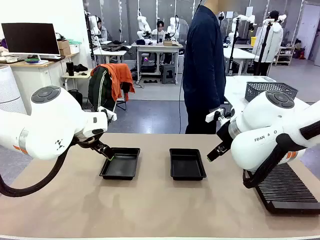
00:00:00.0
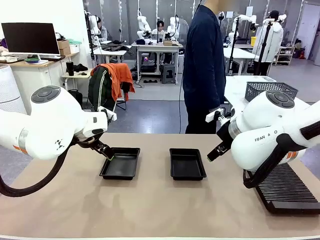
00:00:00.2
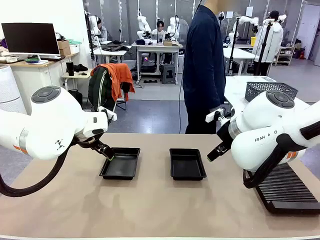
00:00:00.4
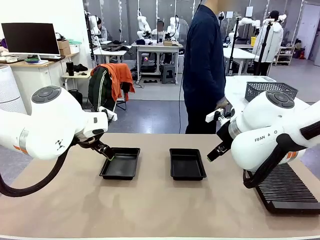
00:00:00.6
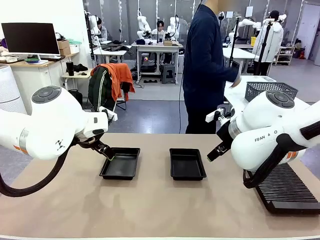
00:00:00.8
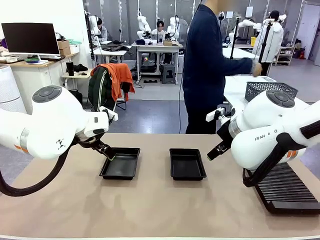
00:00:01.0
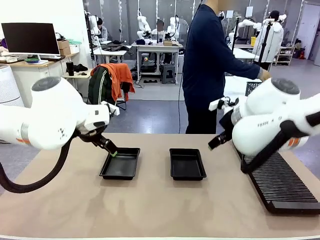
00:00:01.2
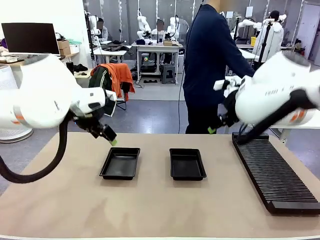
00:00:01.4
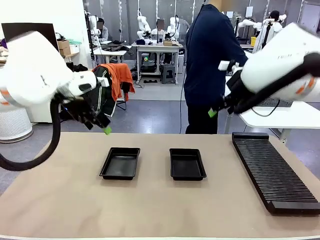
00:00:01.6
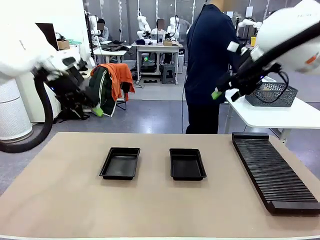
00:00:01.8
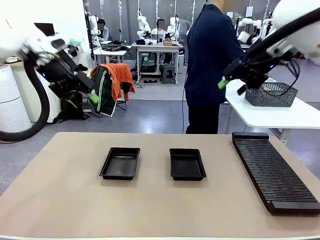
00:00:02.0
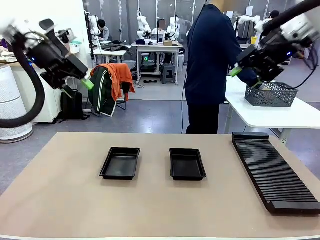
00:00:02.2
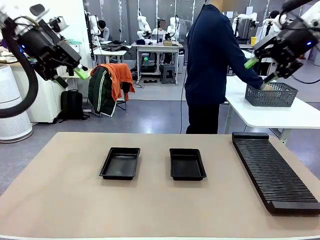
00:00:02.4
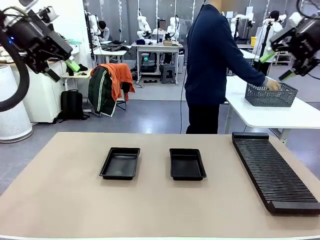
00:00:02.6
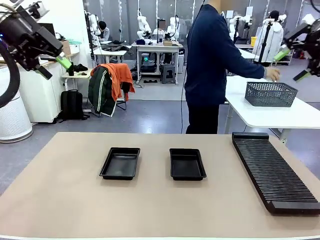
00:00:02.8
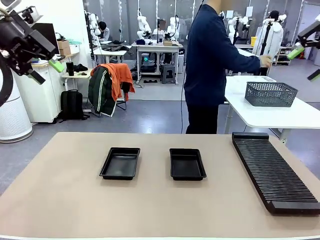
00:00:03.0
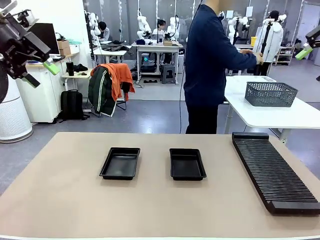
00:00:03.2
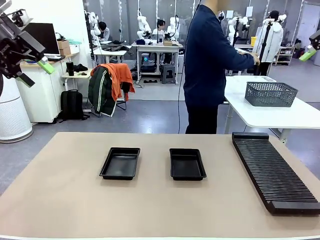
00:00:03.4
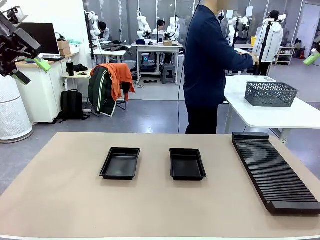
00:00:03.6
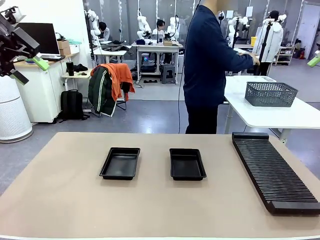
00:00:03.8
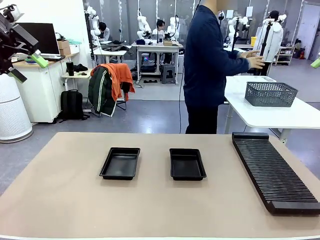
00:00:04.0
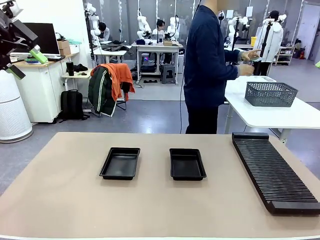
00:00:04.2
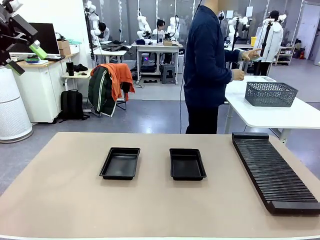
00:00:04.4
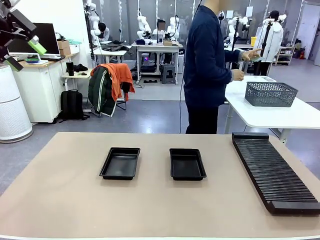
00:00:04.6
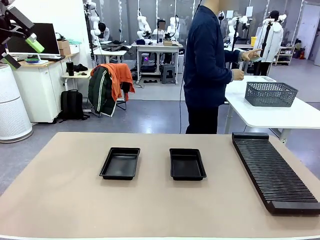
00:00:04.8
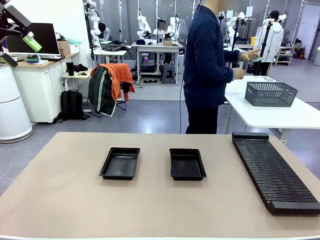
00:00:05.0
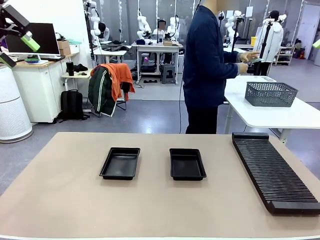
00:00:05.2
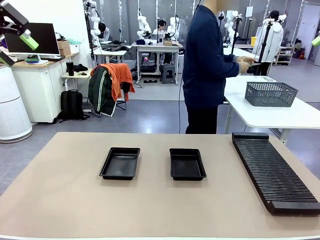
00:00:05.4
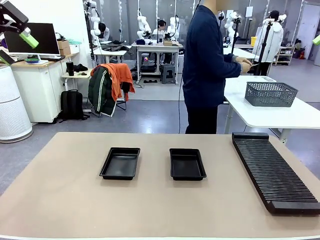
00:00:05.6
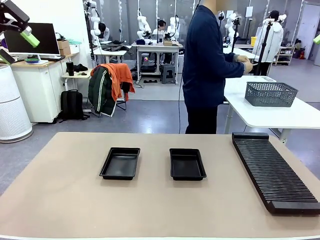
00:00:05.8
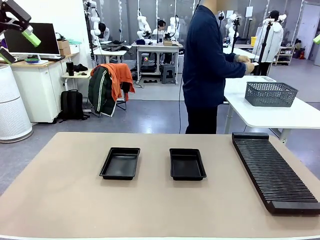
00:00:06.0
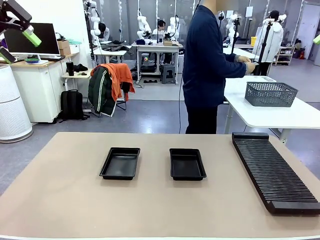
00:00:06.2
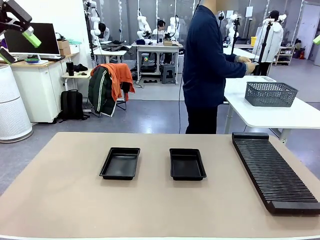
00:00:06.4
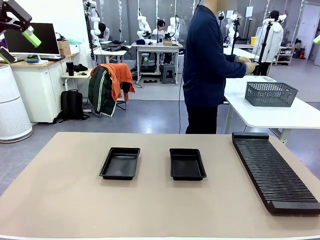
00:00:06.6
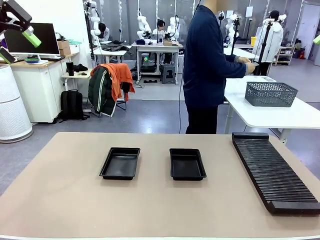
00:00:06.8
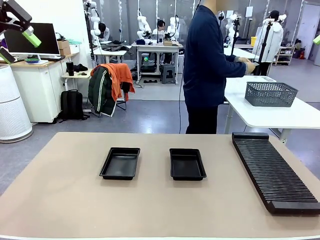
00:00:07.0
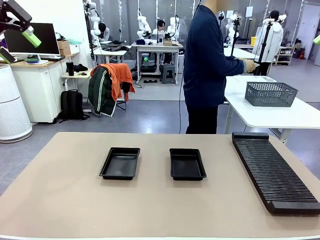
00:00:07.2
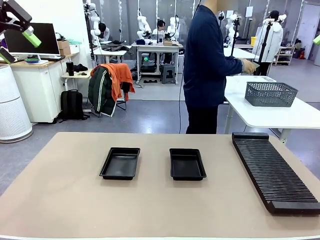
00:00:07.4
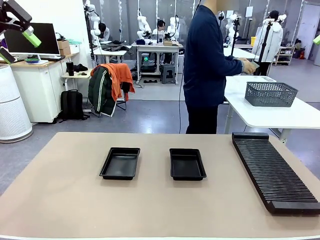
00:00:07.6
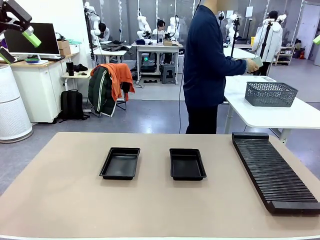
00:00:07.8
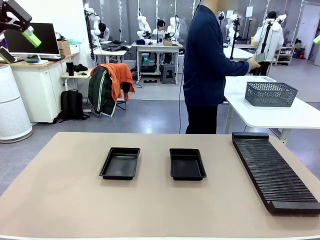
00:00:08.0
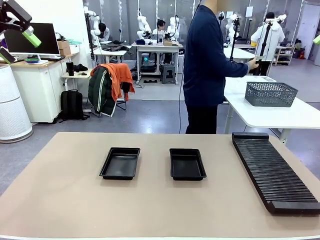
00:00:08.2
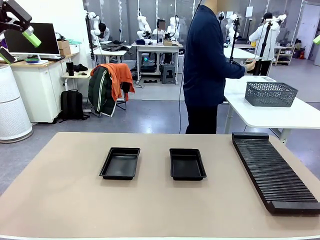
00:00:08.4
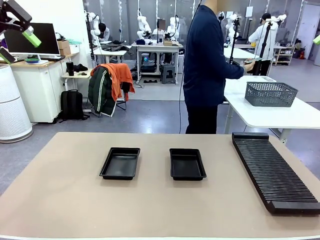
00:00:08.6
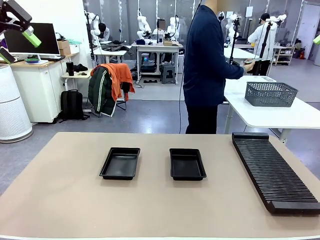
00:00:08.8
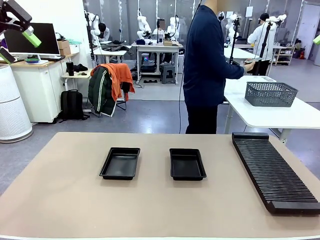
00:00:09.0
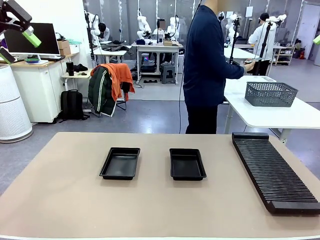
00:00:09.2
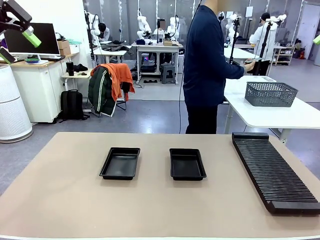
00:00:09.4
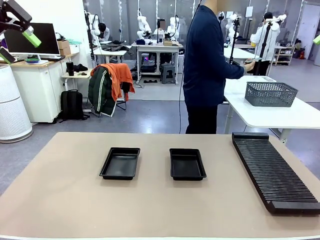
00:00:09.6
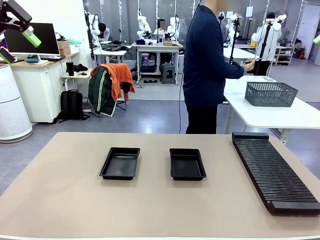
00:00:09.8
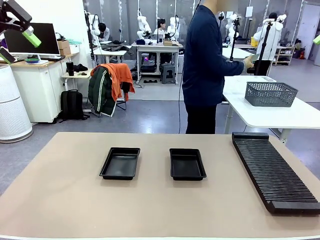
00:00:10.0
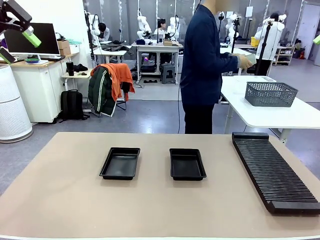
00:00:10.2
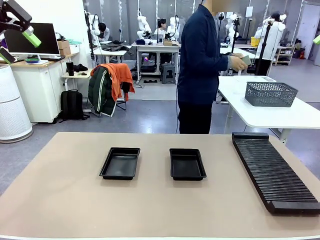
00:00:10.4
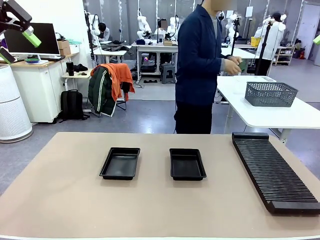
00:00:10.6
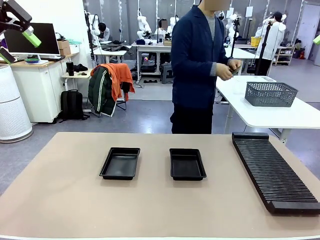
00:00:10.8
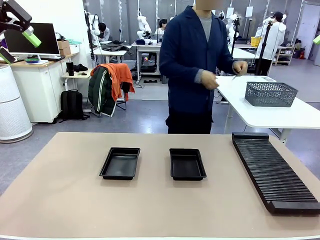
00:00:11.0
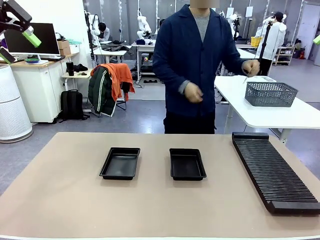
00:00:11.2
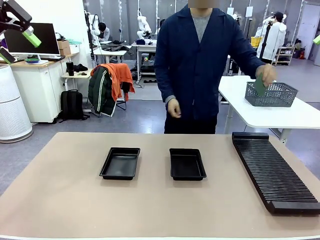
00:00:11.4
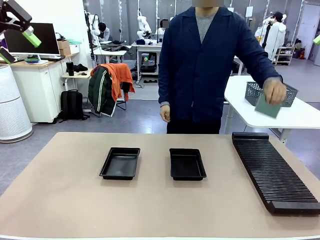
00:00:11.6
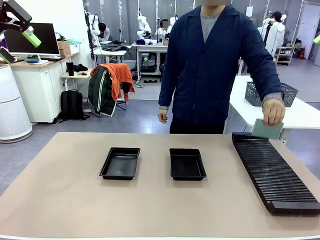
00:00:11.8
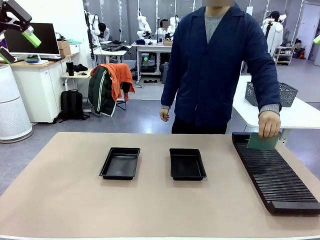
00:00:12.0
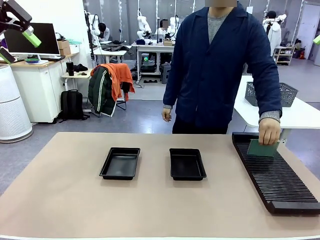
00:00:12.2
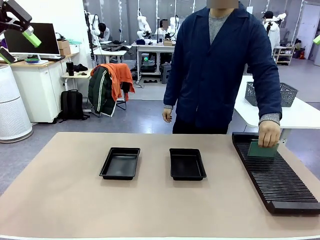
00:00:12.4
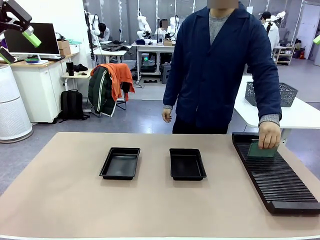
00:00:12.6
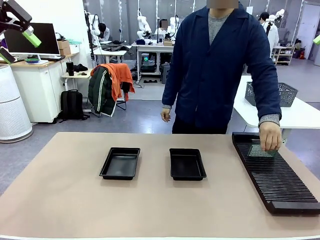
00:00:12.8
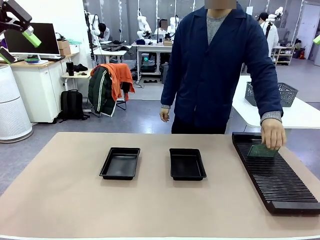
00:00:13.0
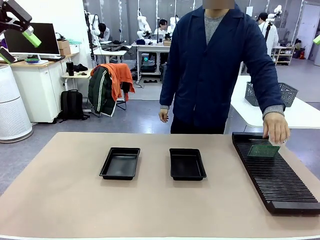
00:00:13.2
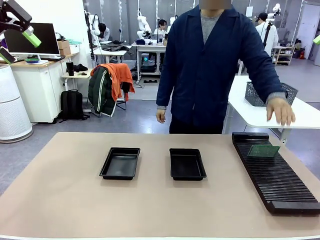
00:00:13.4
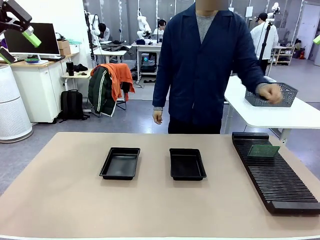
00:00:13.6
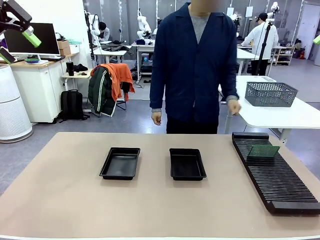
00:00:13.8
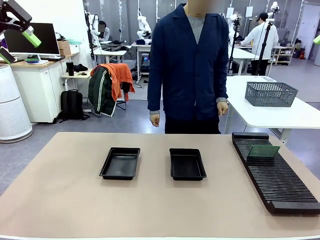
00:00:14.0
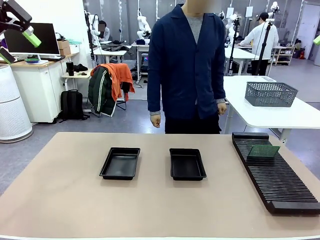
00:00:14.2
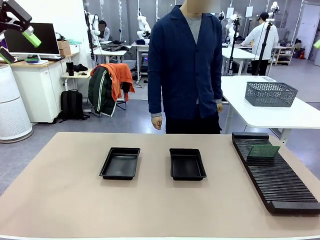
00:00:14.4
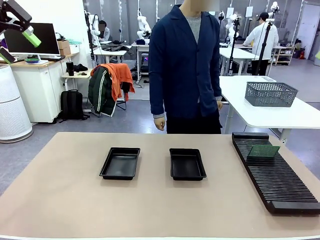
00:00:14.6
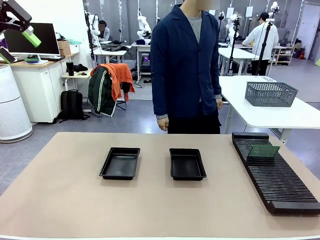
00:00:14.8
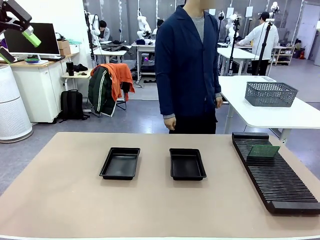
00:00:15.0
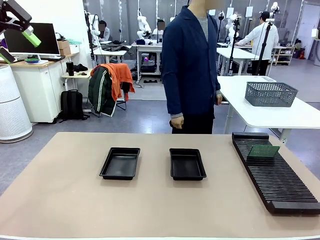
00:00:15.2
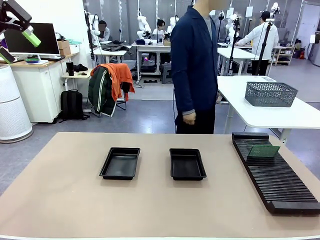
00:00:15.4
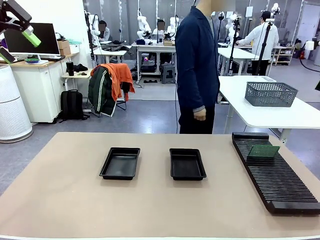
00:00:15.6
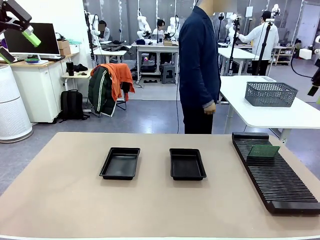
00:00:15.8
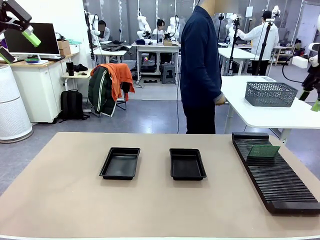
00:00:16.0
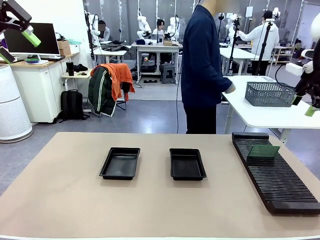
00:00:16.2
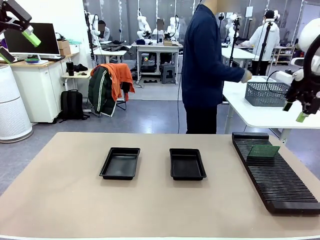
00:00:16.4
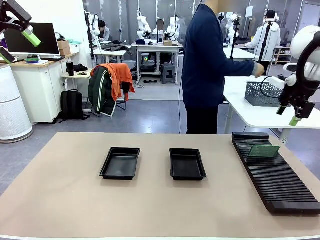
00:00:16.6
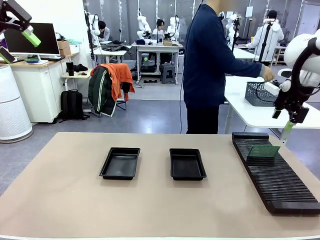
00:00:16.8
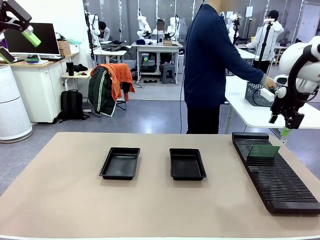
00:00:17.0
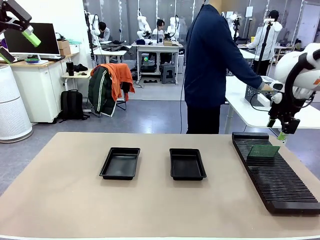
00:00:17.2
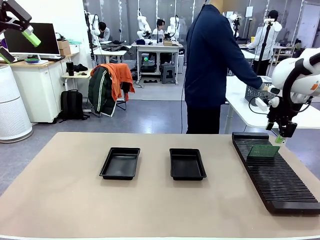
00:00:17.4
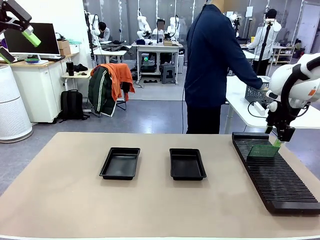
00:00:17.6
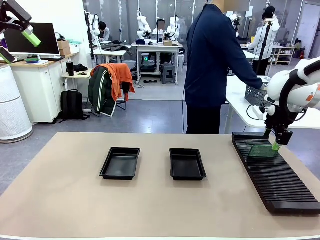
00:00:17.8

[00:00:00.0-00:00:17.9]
Task: Inspect and transfer BCBs to ESD trays.
Robot: Pick up the Blank PCB from the PCB Rack and place it in the left ESD tray.

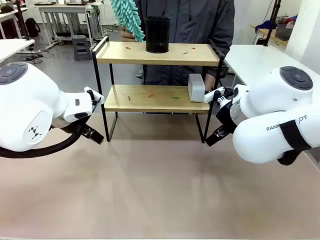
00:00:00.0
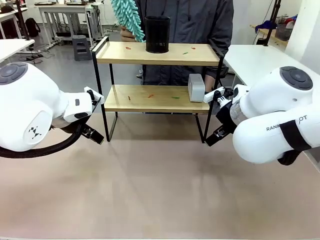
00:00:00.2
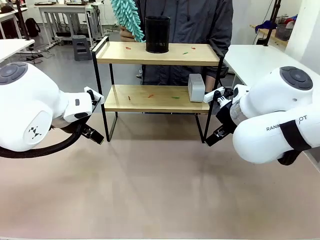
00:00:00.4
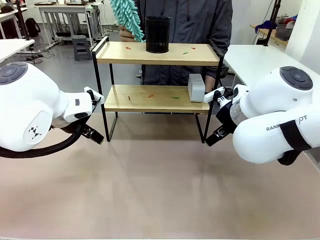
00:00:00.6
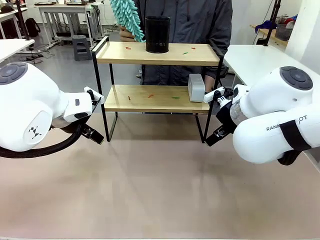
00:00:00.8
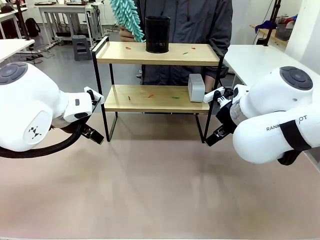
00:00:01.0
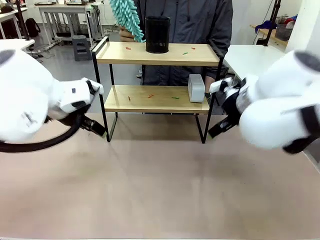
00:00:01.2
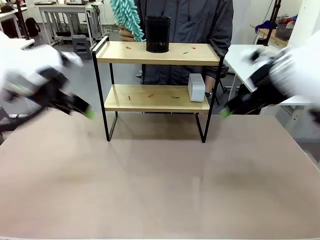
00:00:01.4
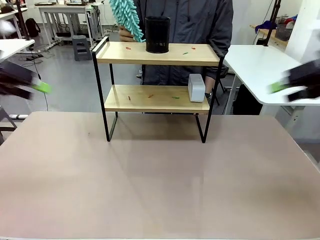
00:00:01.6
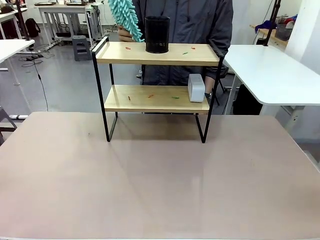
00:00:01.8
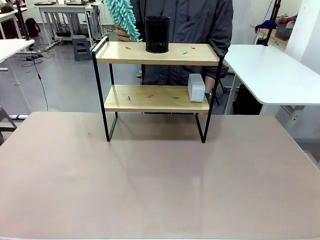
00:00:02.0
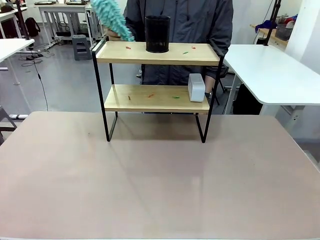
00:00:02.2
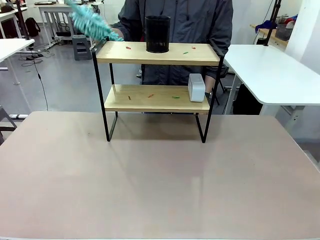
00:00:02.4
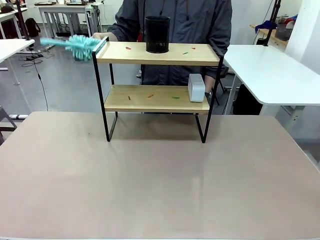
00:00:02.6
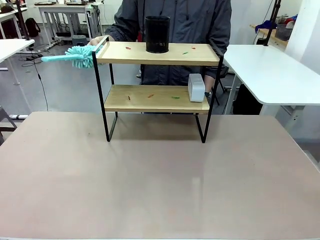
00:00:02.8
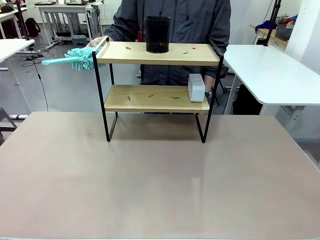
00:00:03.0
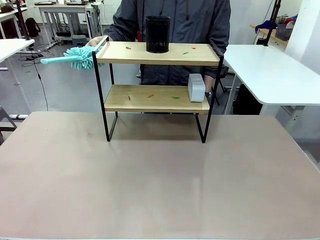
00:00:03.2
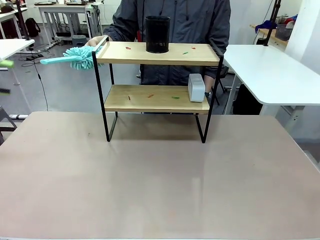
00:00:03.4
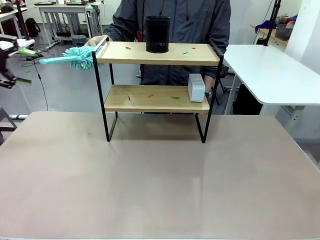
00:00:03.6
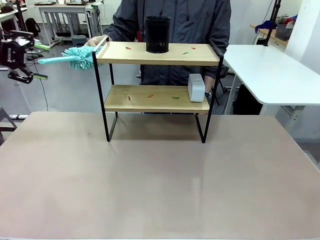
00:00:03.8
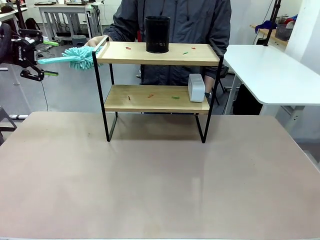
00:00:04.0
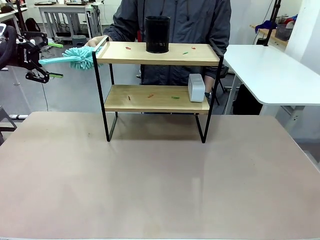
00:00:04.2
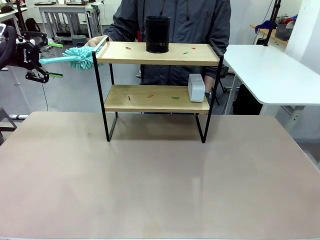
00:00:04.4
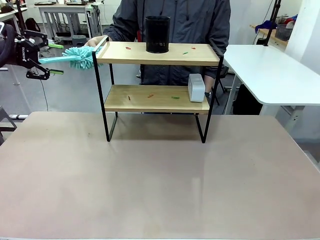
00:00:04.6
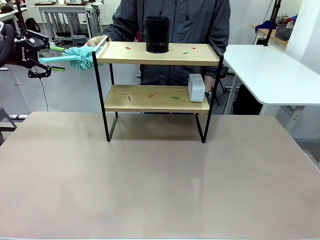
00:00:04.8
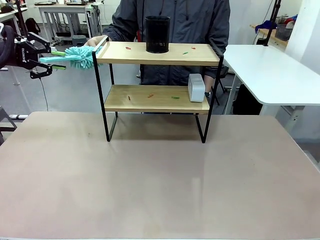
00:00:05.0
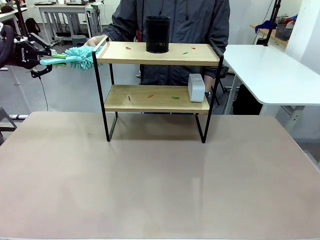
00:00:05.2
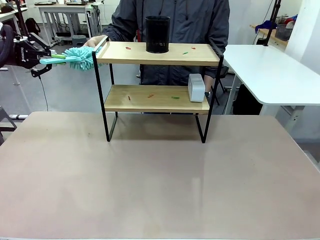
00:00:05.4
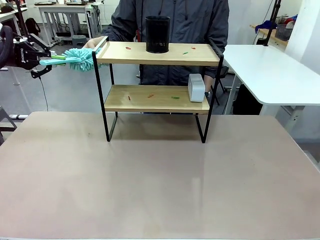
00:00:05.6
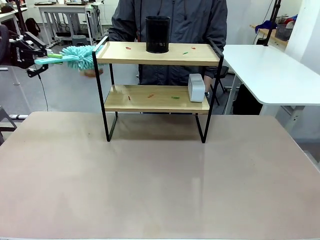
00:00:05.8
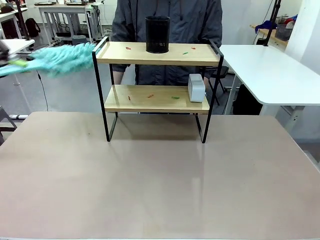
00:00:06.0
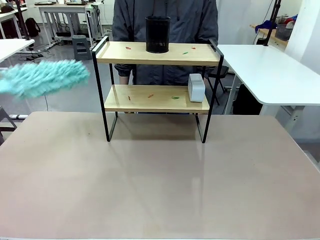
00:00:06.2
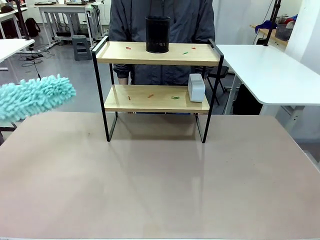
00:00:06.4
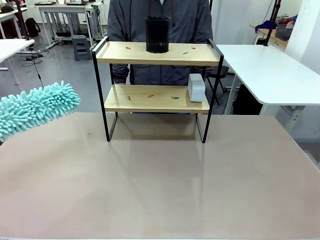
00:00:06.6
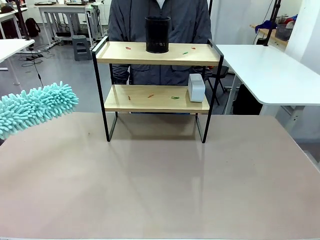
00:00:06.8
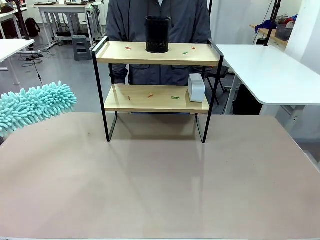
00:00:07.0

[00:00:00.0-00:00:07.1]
Task: Clean the shelf.
Robot: Pick up the Duster from the human.
Person: Hand the Duster to the robot.
